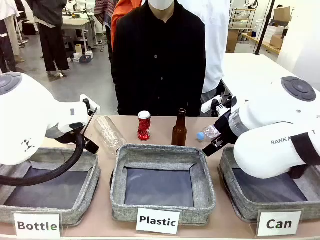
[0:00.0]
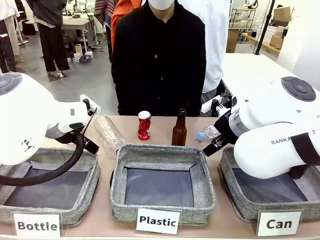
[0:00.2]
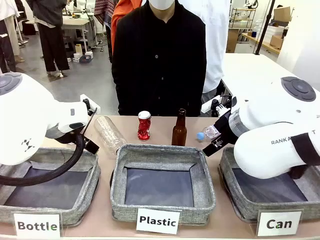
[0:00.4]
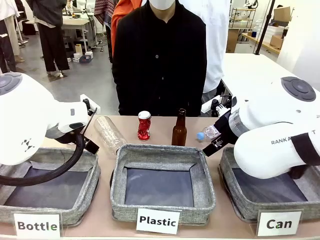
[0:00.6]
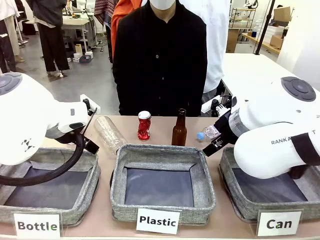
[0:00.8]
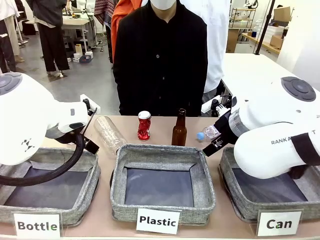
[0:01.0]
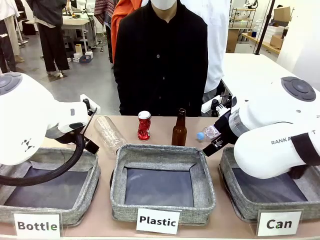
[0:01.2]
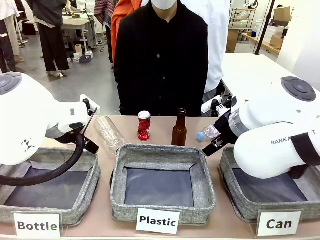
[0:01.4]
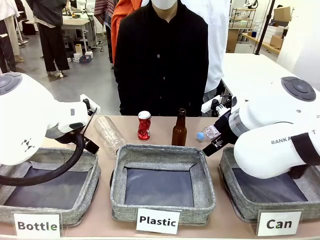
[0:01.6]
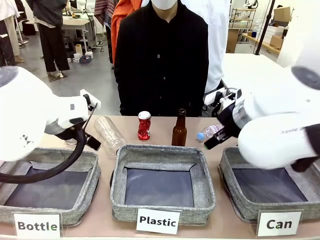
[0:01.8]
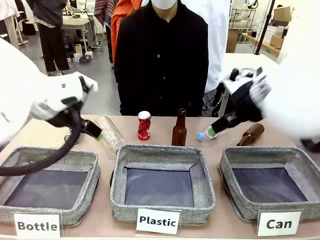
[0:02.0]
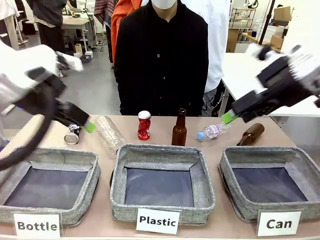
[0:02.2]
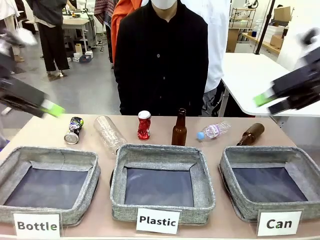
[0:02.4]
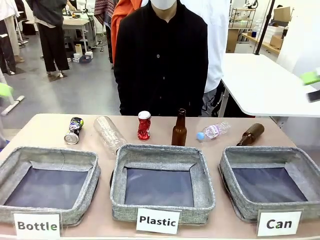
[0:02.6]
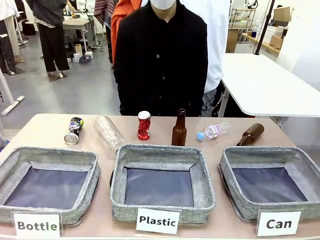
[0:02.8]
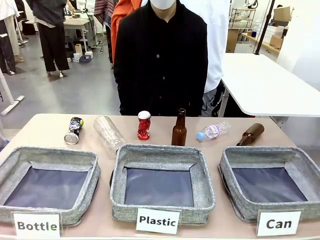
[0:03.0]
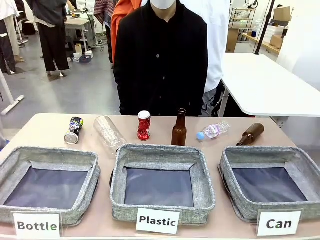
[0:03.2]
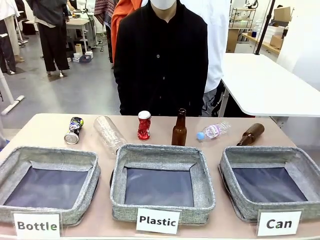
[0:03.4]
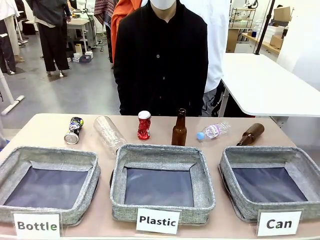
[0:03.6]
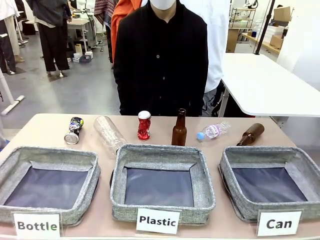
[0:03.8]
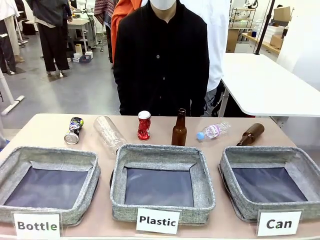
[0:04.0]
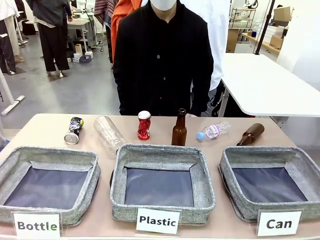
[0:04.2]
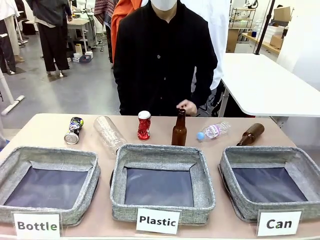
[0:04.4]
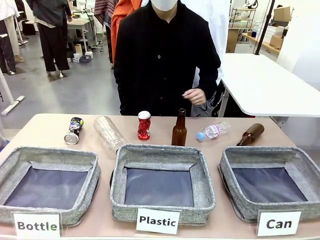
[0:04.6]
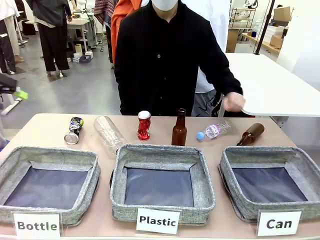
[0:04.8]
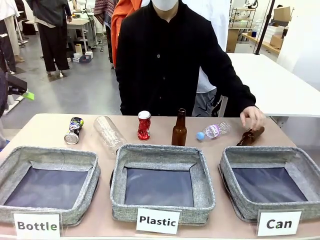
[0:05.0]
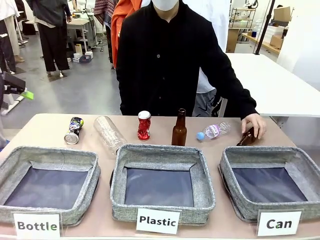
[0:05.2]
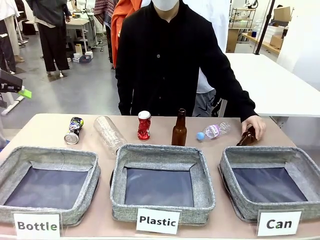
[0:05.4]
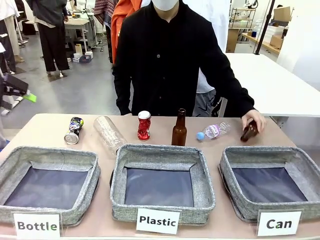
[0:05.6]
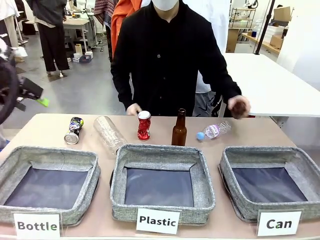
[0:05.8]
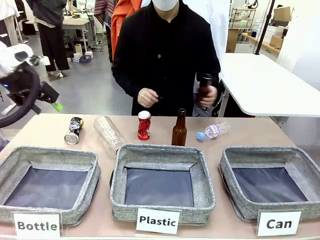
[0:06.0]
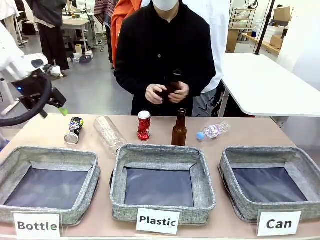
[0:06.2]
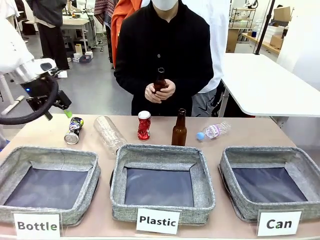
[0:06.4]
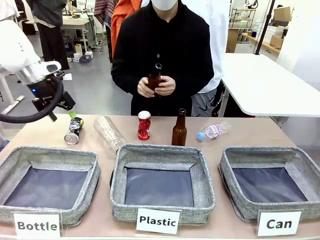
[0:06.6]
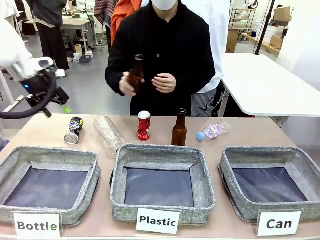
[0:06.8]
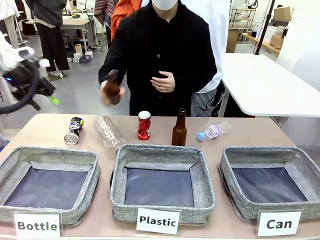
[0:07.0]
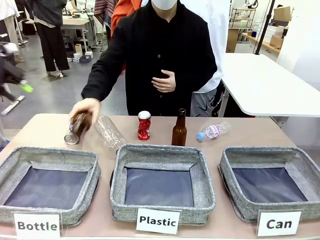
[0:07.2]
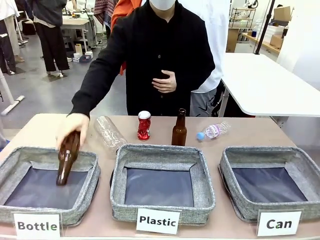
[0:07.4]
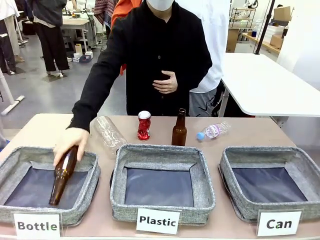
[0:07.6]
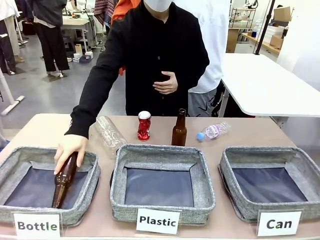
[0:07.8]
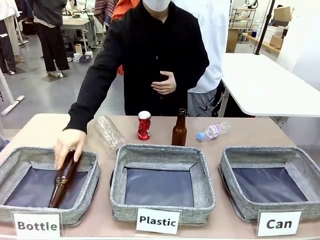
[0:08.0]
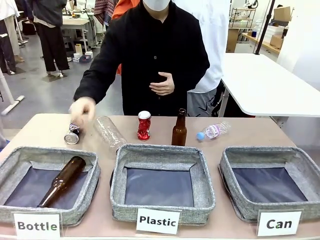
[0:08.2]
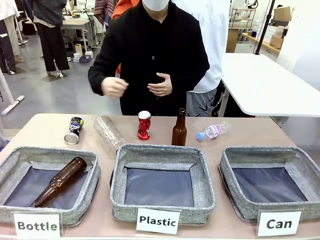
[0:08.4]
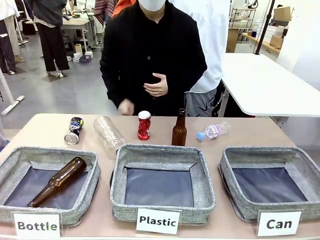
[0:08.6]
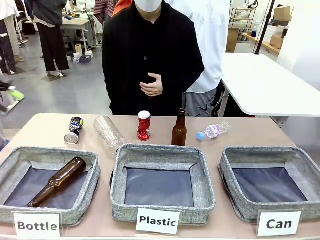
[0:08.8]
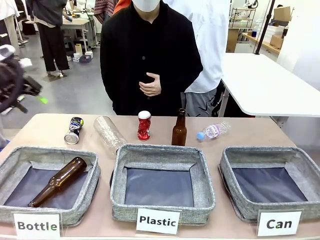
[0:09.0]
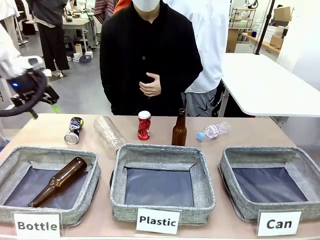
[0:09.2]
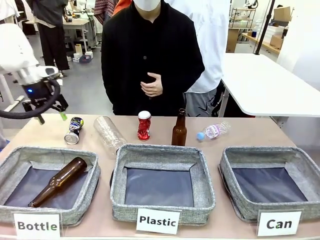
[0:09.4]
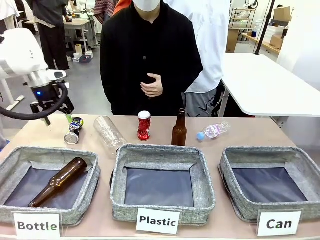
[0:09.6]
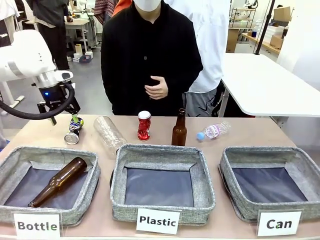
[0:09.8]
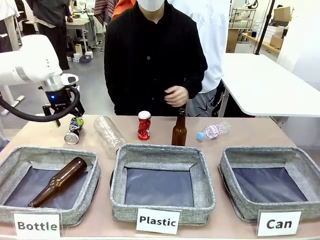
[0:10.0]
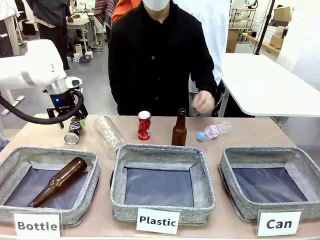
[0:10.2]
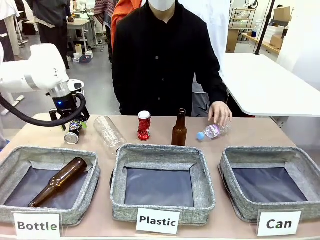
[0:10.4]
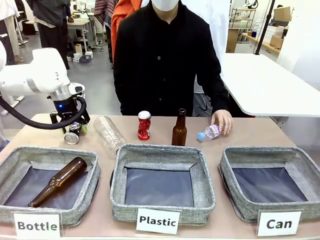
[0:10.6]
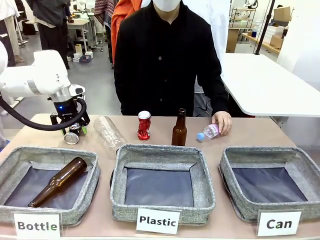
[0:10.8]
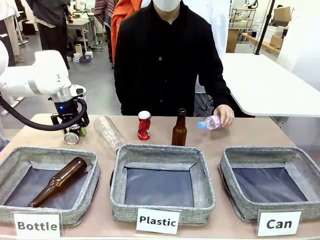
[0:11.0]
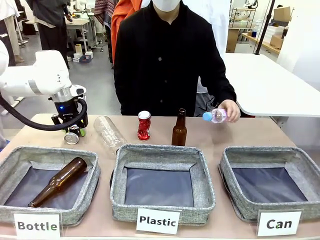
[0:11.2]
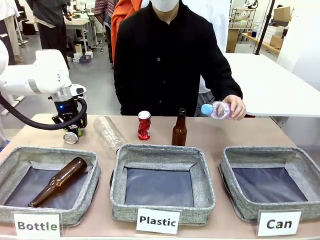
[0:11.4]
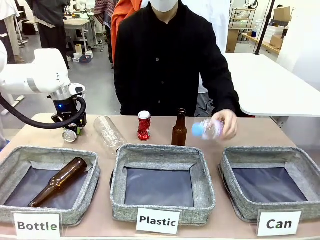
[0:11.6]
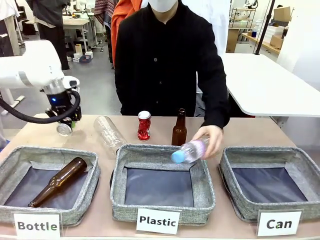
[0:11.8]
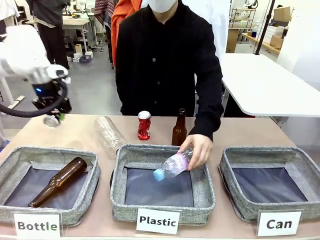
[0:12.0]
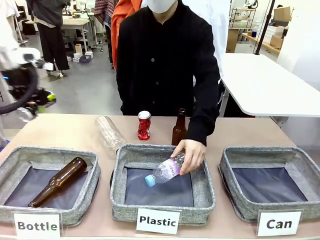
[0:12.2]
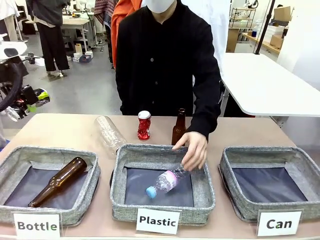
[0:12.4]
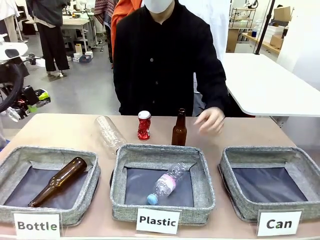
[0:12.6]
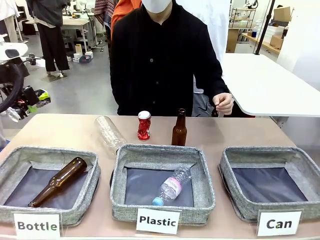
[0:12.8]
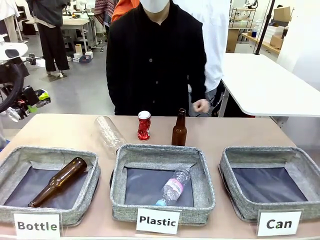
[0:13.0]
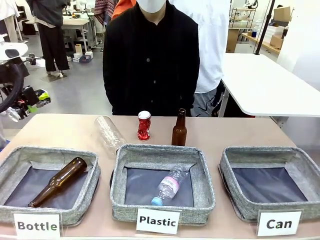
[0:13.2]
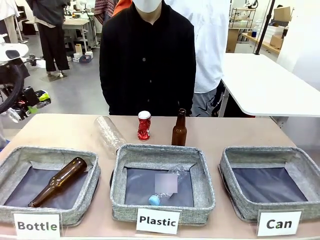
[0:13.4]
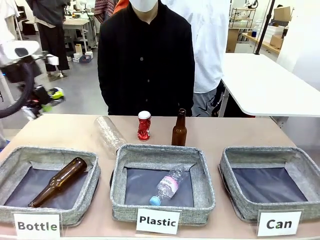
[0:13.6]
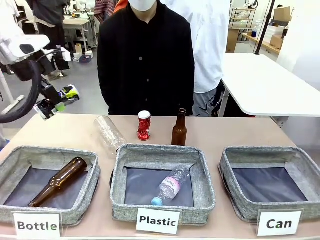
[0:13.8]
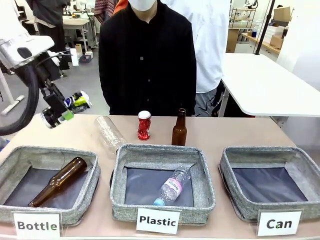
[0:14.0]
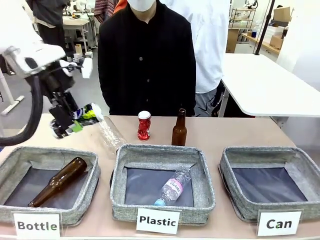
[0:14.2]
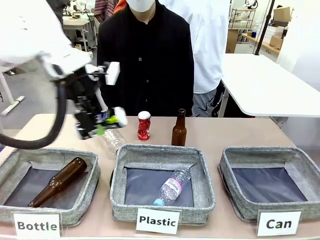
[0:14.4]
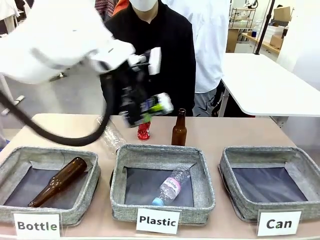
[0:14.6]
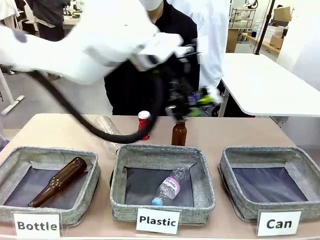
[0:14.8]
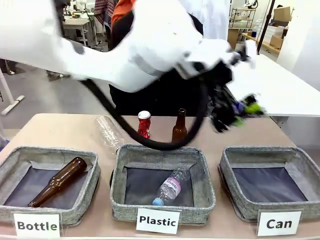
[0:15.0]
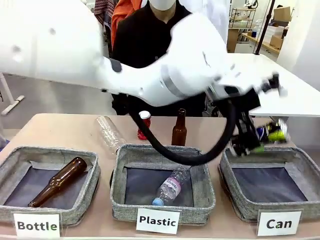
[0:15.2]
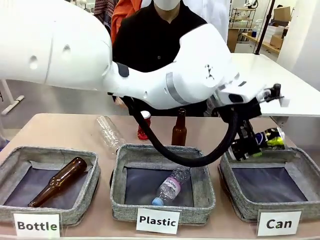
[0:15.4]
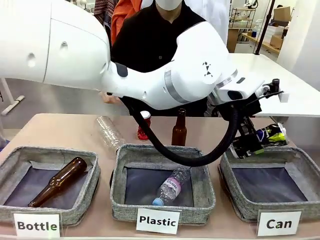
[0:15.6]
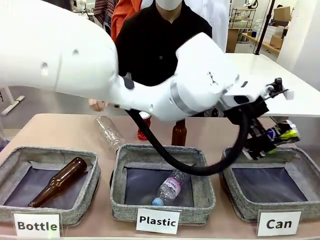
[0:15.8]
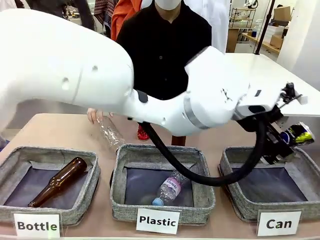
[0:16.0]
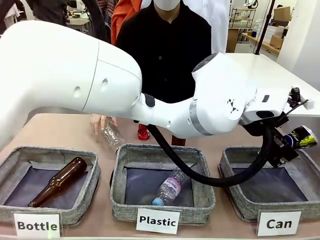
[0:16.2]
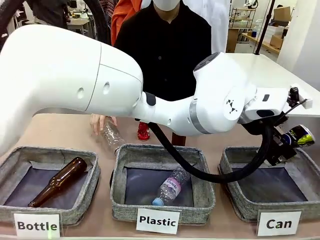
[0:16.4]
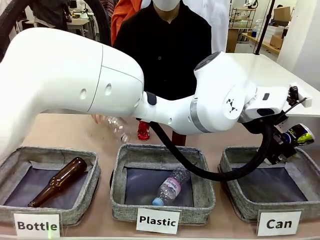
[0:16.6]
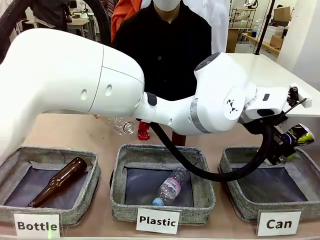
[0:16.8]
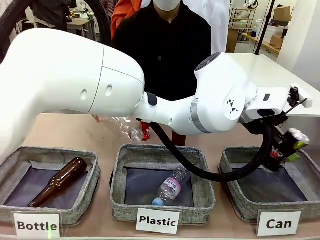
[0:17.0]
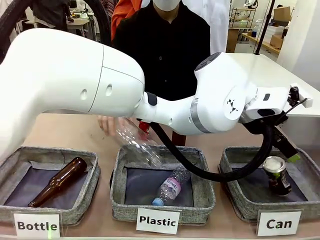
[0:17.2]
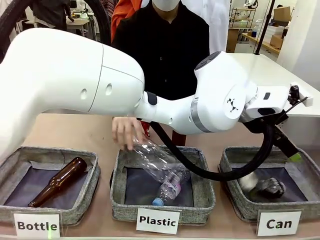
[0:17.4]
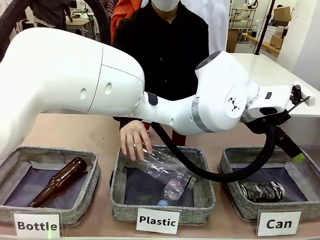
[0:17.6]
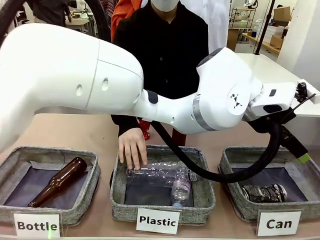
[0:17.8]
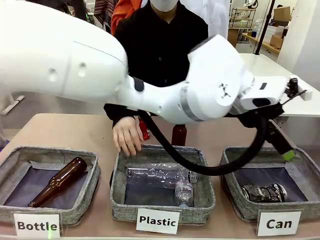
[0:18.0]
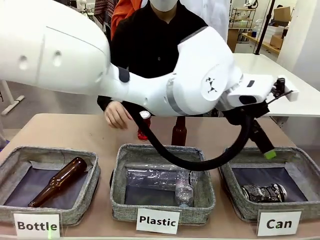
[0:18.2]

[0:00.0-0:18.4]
Task: Sort the can waste into the basket.
Robot: Pick up the can waste from the table and place it in the right Fabric basket.
